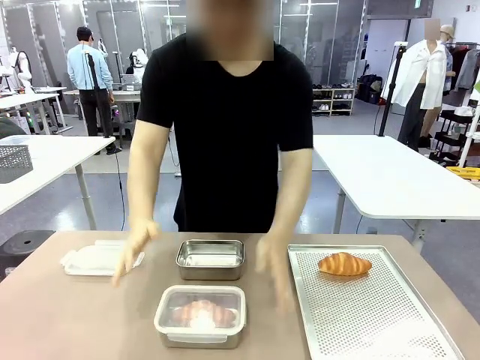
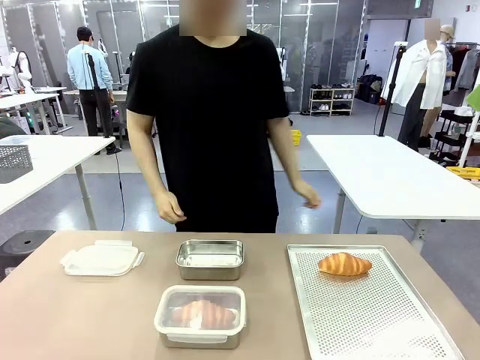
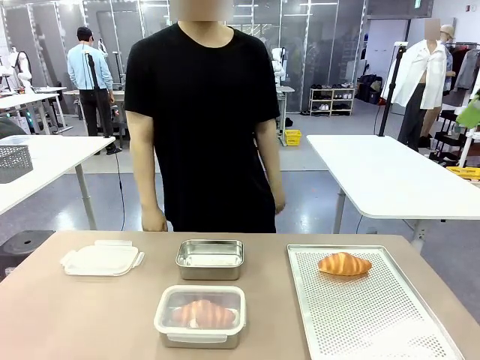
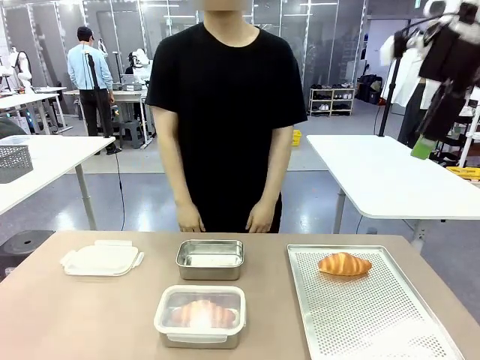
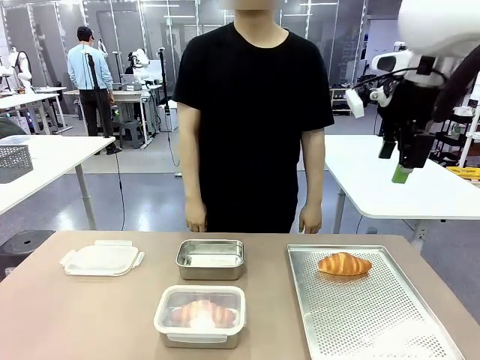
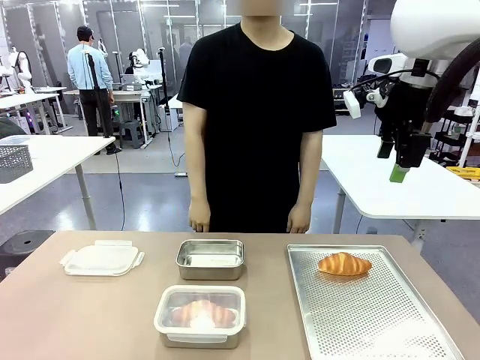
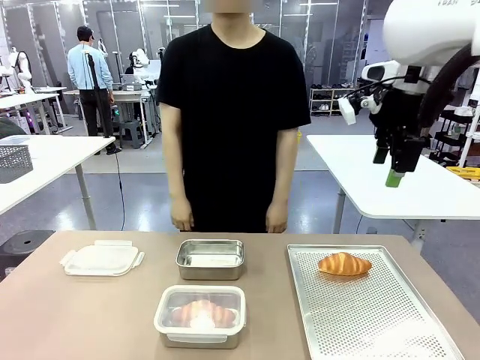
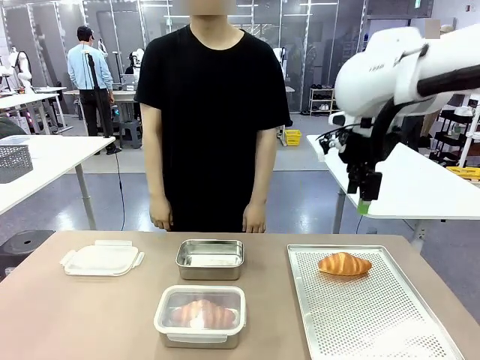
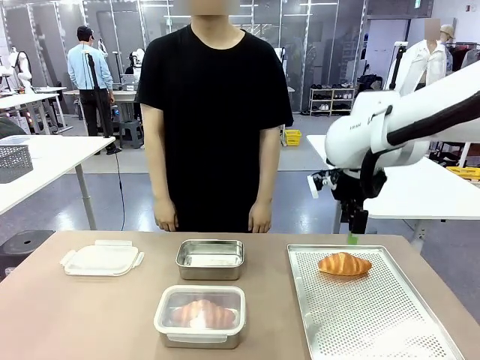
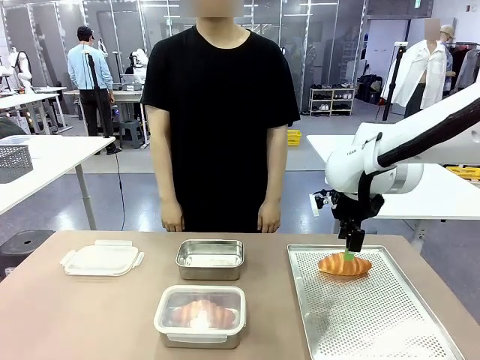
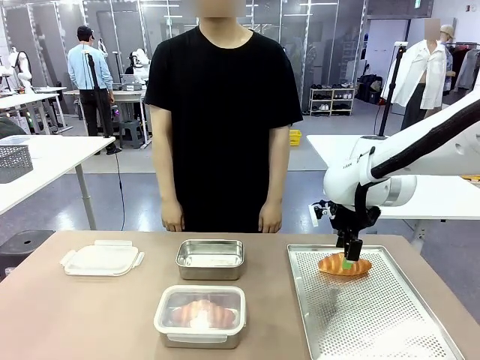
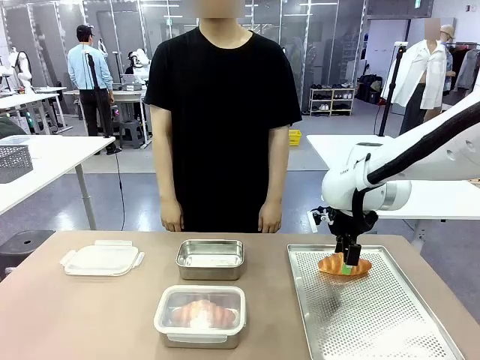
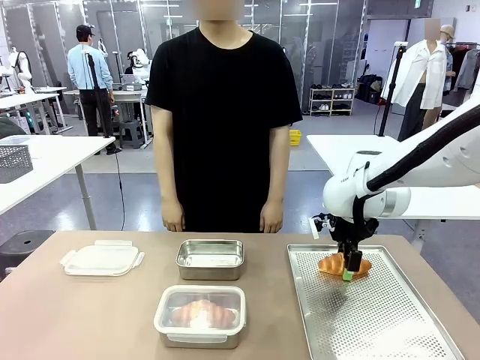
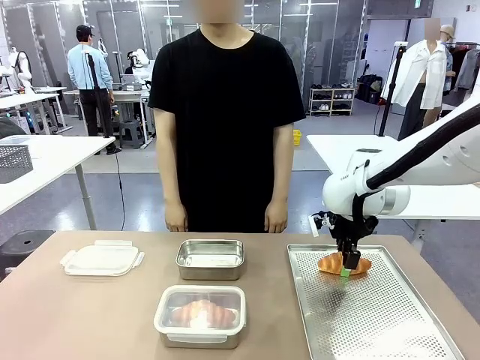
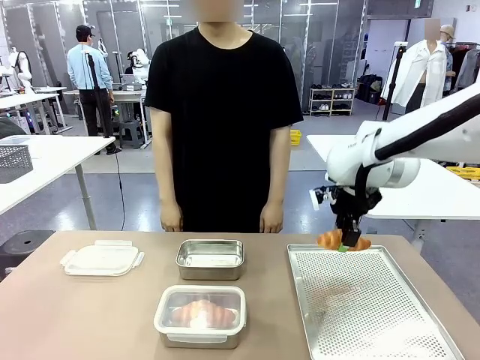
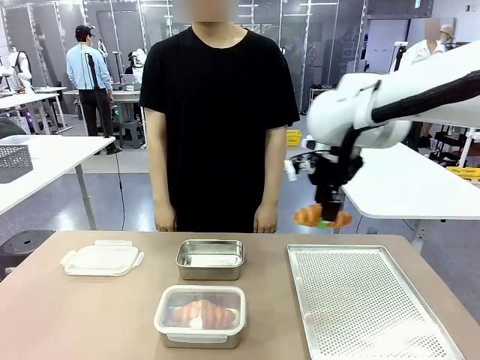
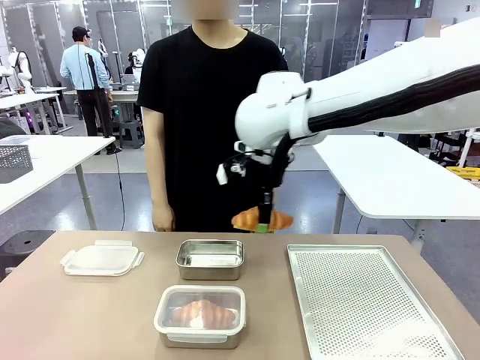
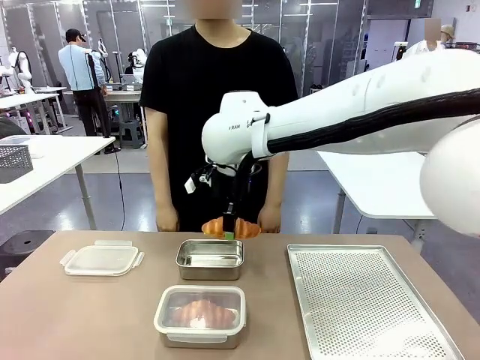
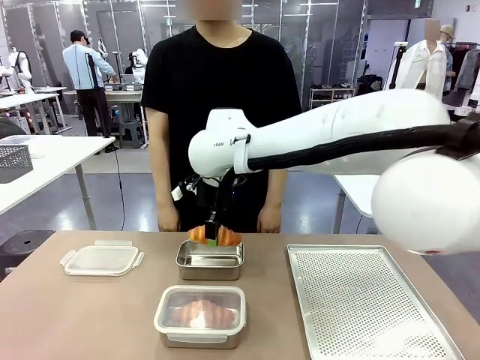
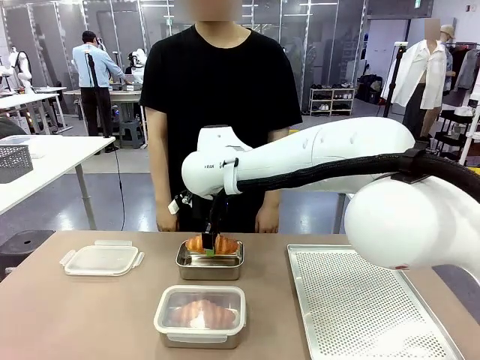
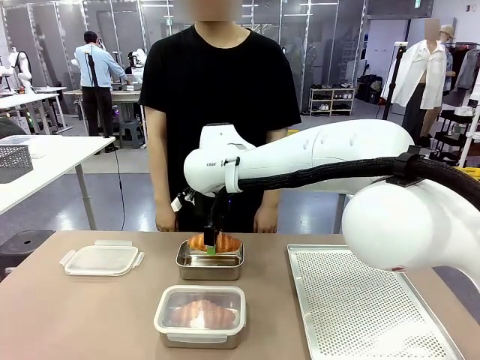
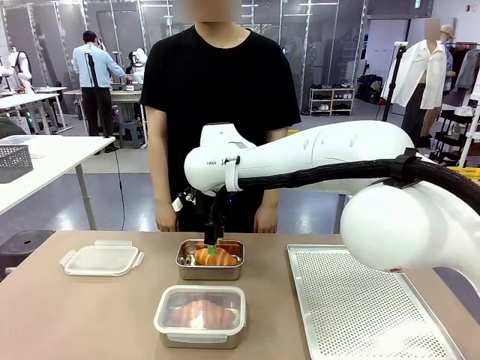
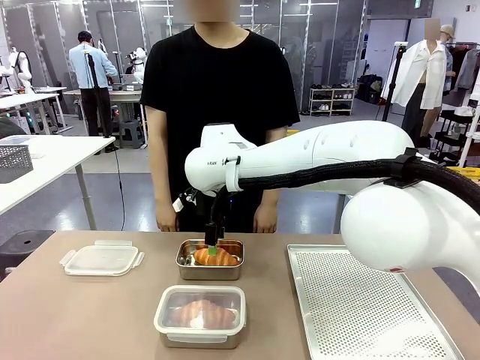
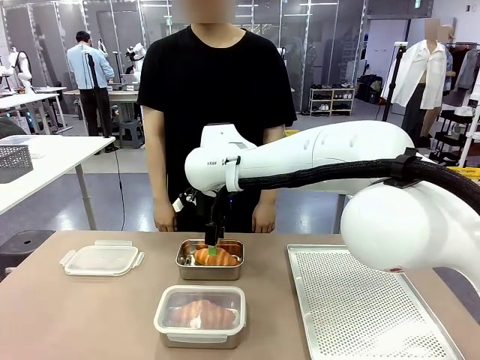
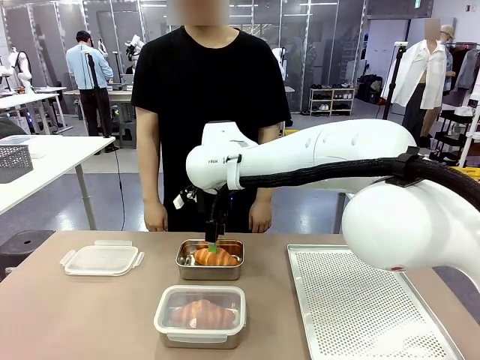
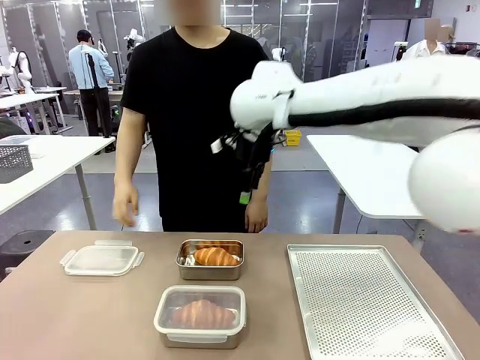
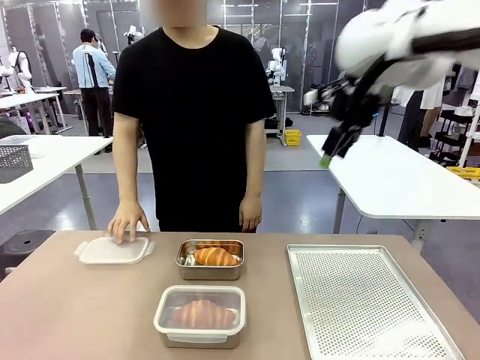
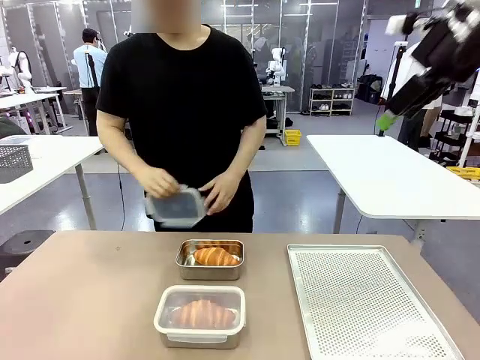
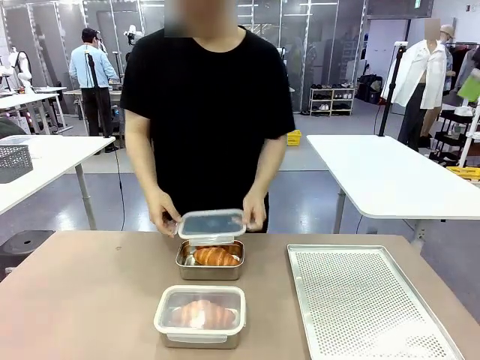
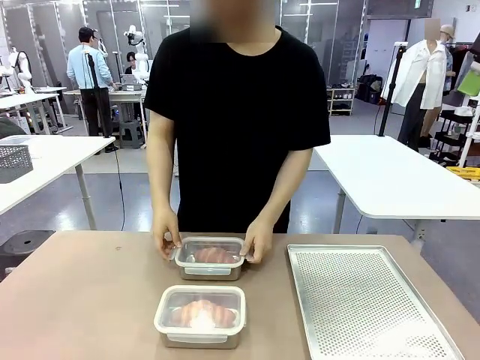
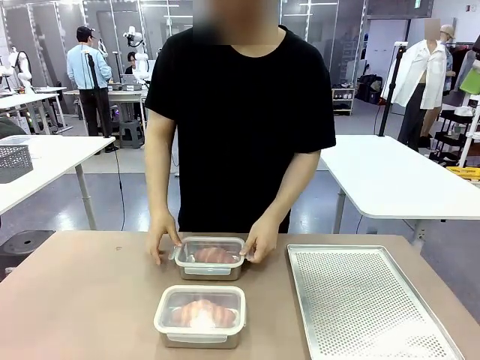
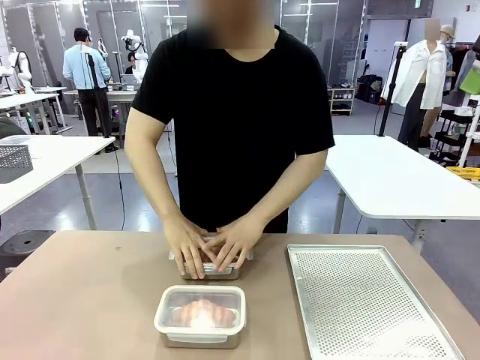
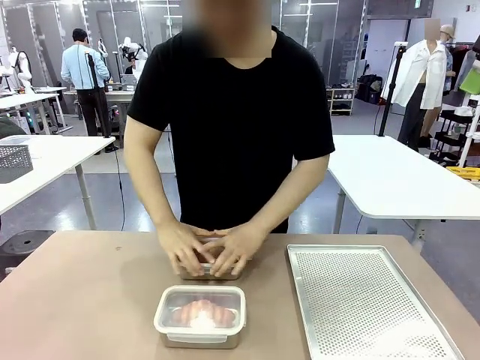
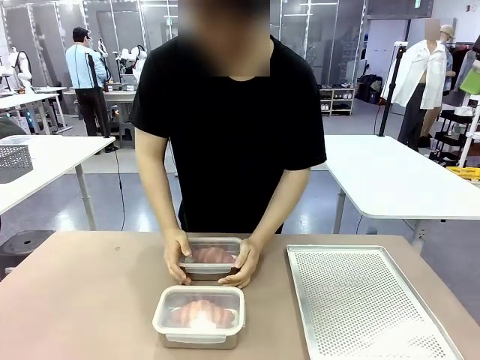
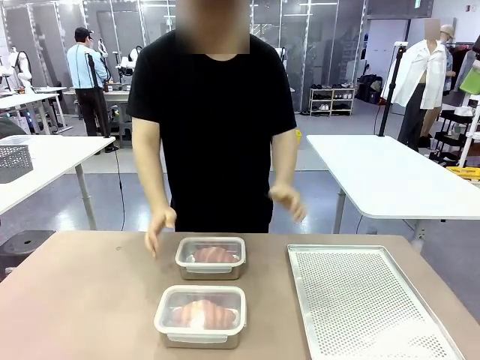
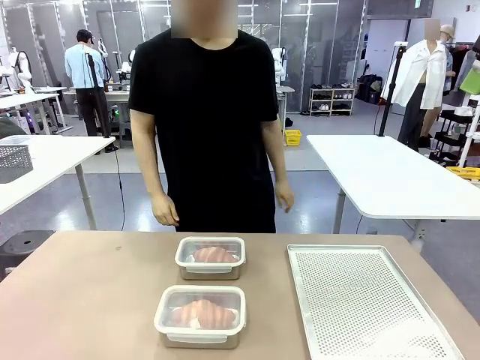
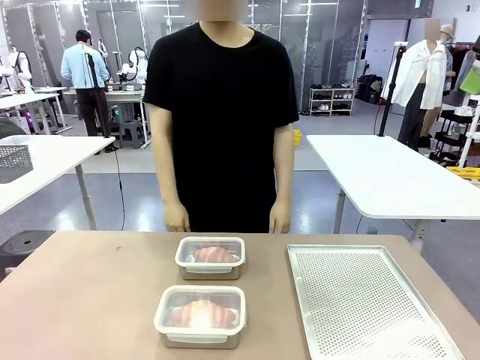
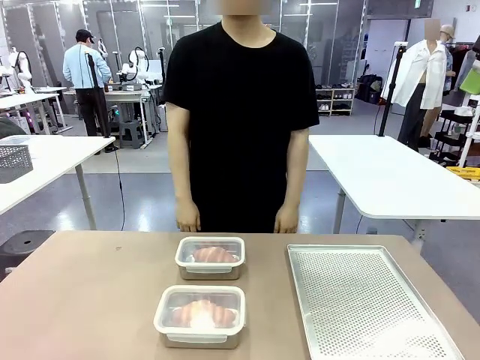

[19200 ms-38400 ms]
Task: Place the bread into the airtight container.
Robot: Pick up a Butter Roll and place it into an empty Airtight Container.

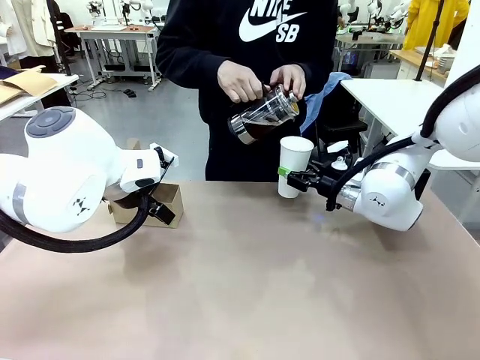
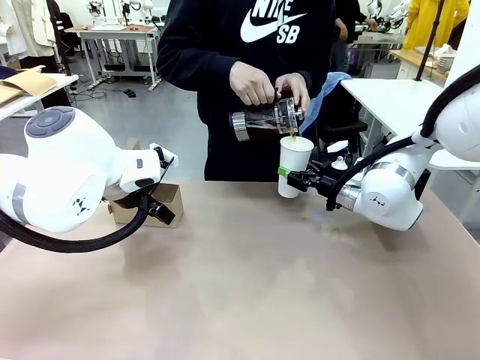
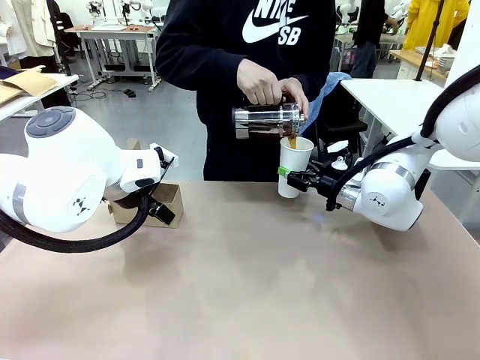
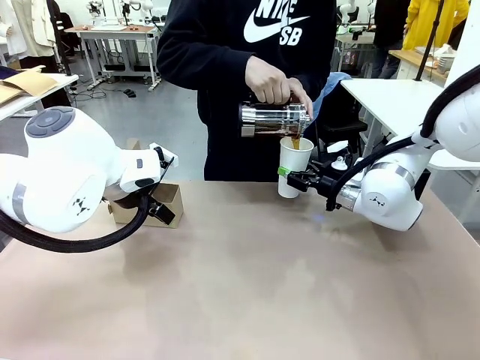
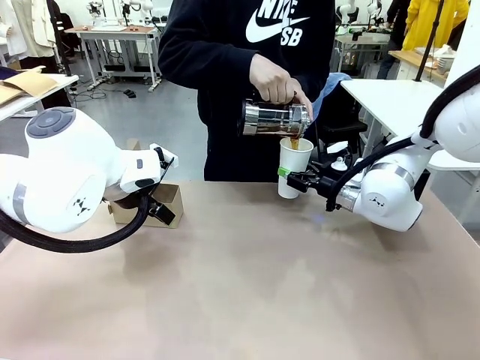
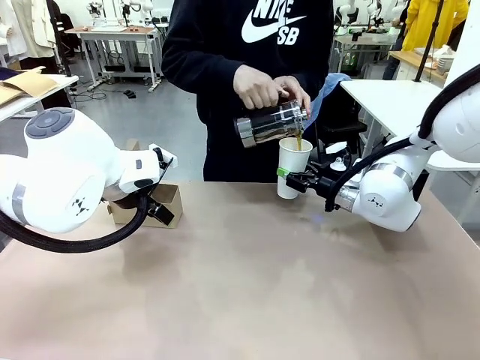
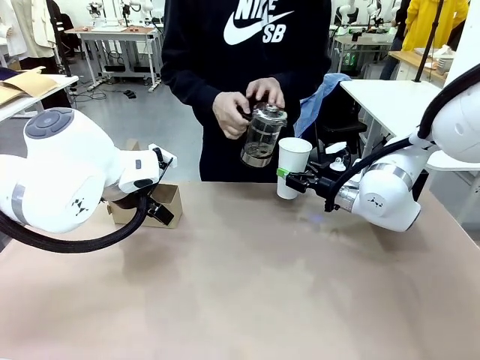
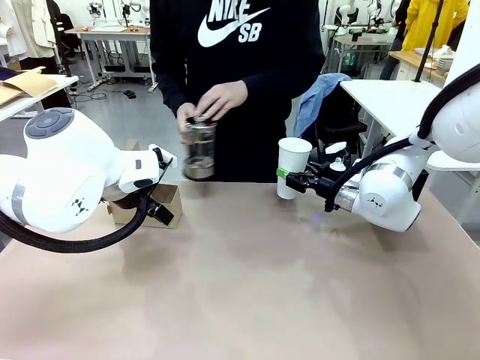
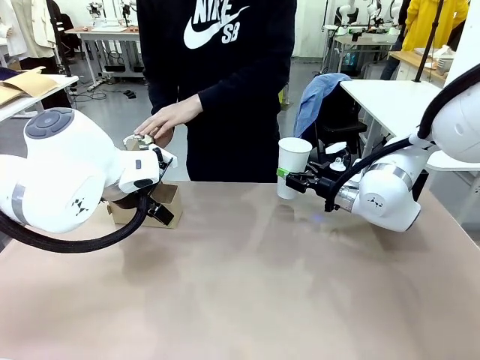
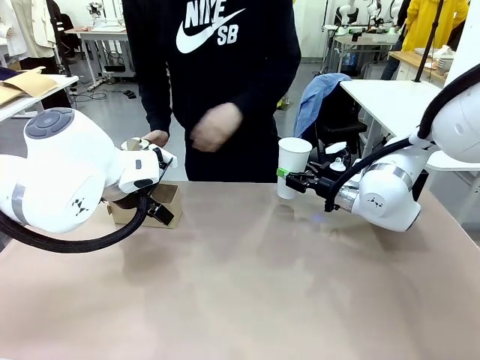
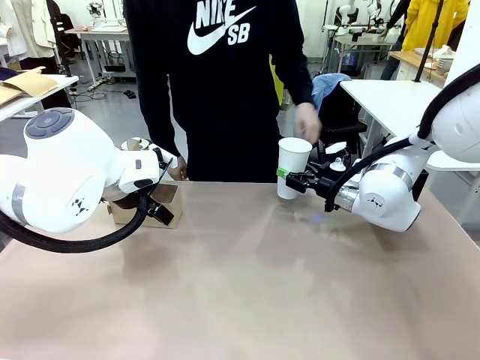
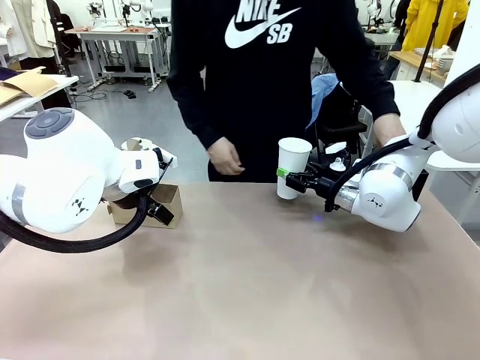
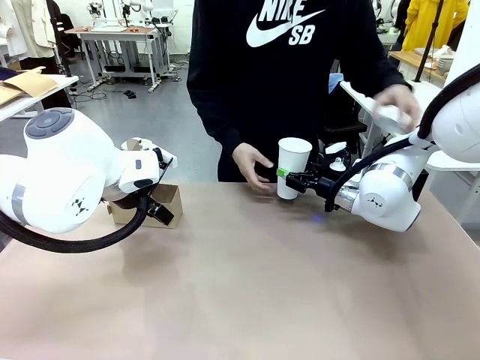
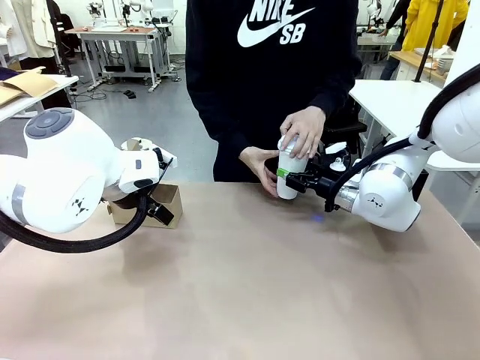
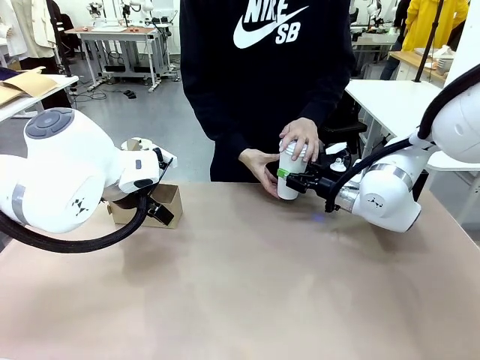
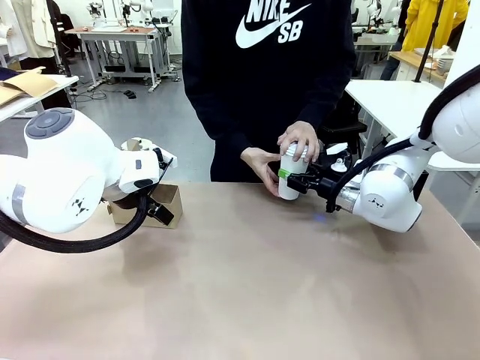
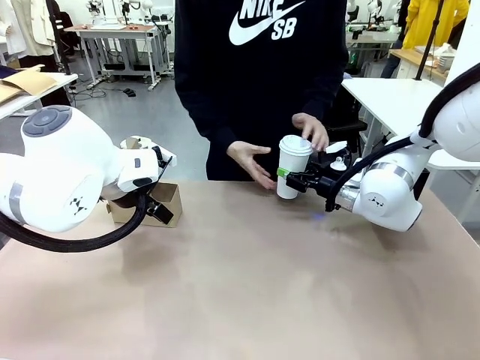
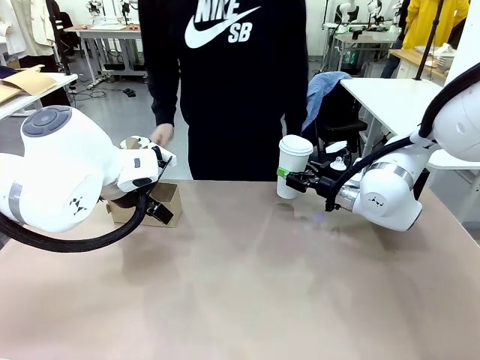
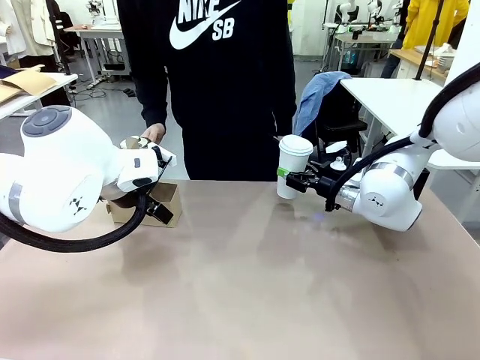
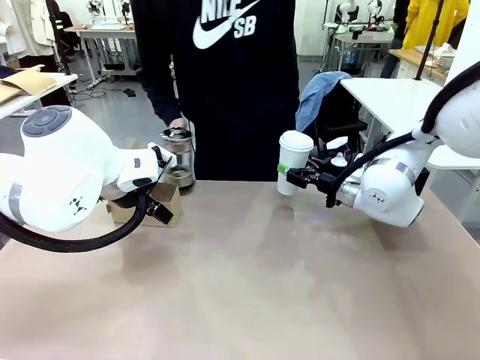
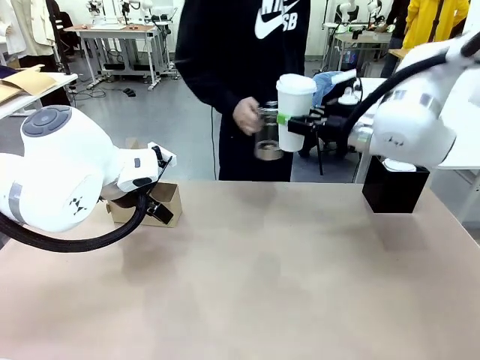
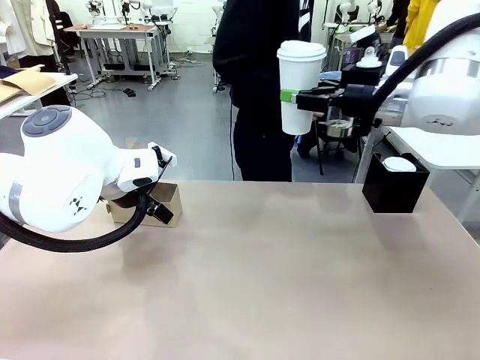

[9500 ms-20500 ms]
Task: Pour a drink into a cup and package it in a carrier.
Robot: When a person places the Paper Cup Lid on the 600 ml Paper Cup , lift the 600 ml Paper Cup.
Person: Pour the drink from the Filter Brewing into the 600 ml Paper Cup. Place a Paper Cup Lid on the 600 ml Paper Cup.
